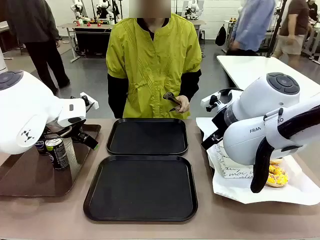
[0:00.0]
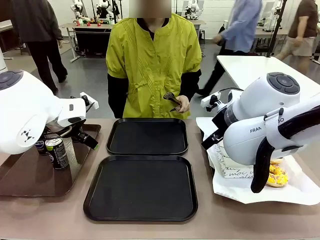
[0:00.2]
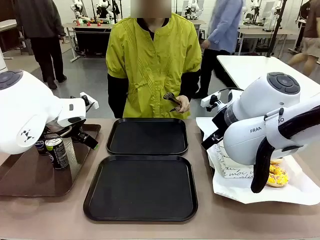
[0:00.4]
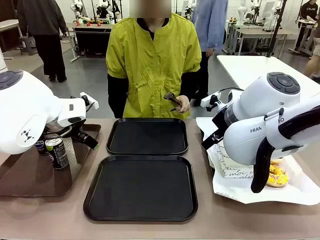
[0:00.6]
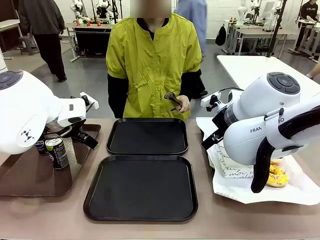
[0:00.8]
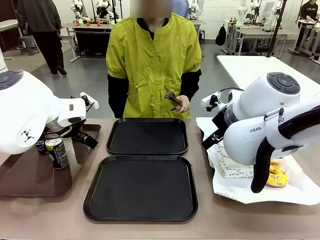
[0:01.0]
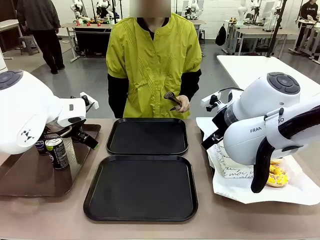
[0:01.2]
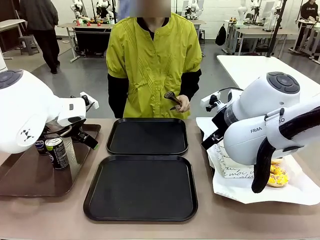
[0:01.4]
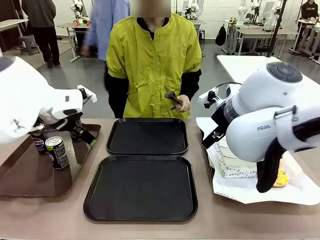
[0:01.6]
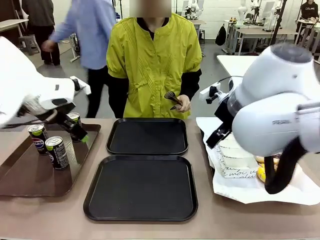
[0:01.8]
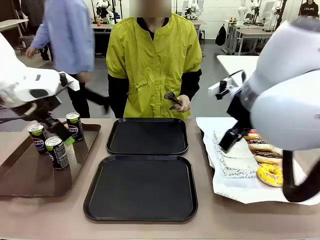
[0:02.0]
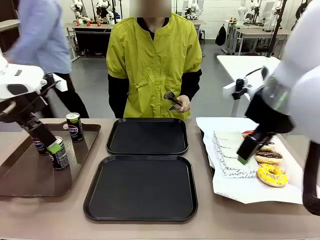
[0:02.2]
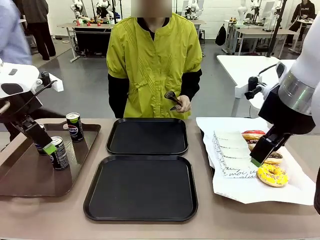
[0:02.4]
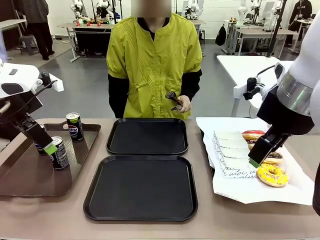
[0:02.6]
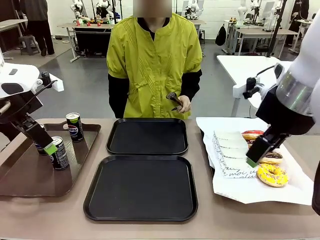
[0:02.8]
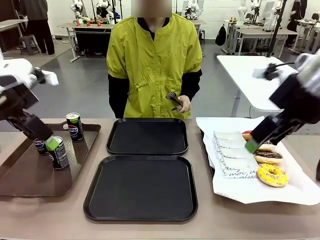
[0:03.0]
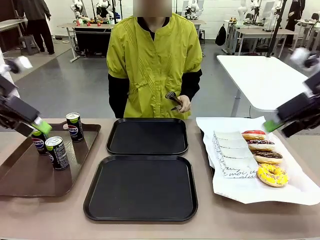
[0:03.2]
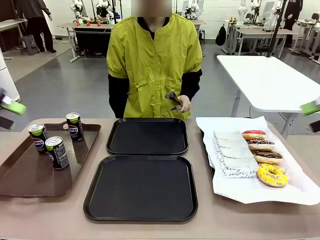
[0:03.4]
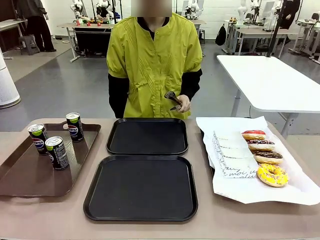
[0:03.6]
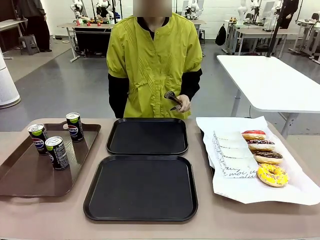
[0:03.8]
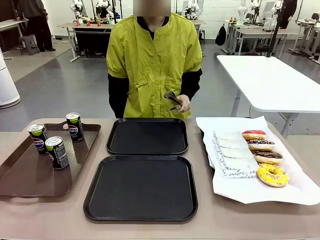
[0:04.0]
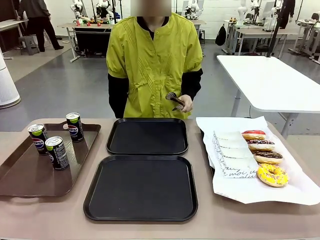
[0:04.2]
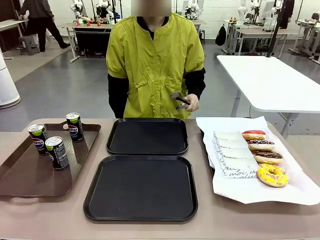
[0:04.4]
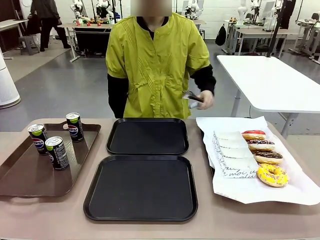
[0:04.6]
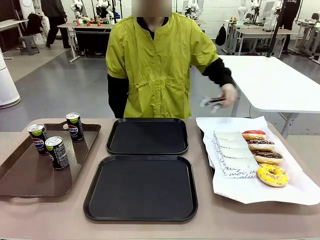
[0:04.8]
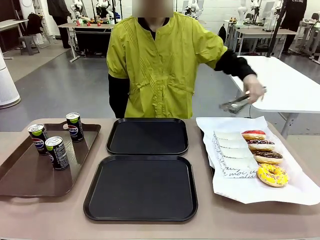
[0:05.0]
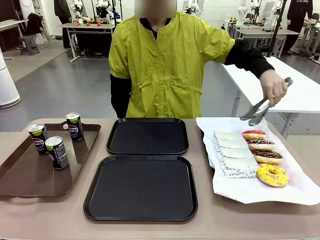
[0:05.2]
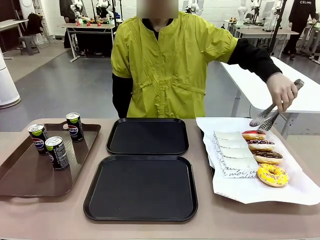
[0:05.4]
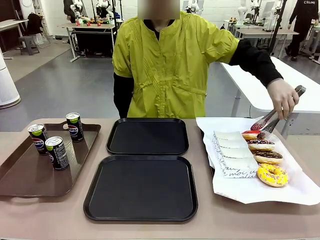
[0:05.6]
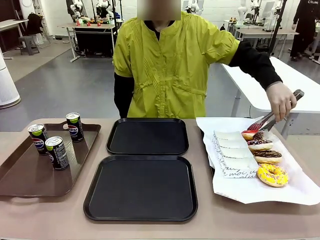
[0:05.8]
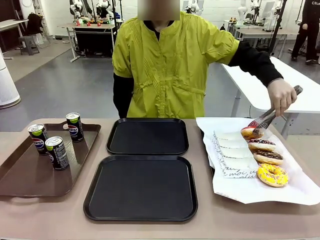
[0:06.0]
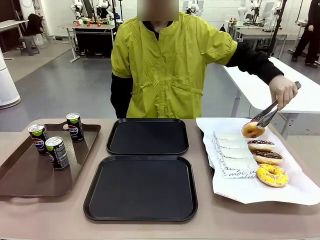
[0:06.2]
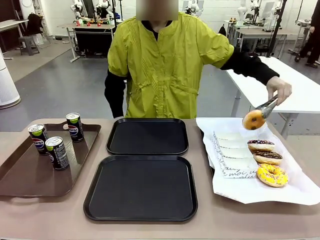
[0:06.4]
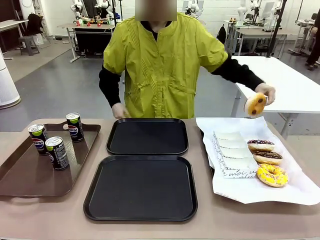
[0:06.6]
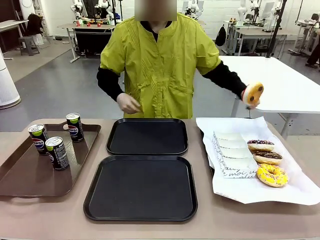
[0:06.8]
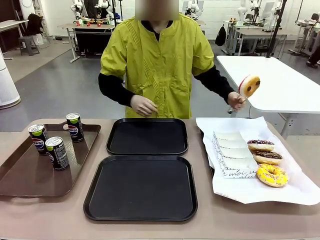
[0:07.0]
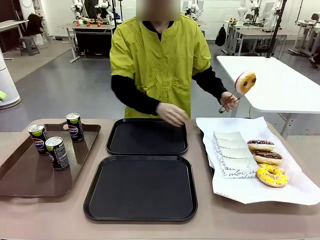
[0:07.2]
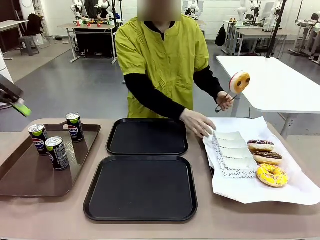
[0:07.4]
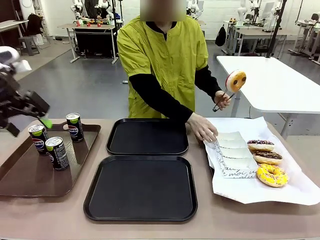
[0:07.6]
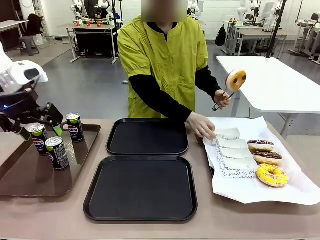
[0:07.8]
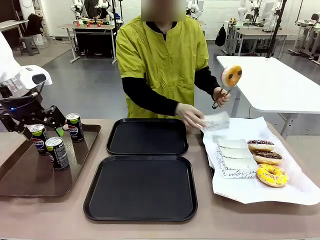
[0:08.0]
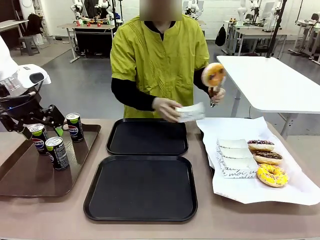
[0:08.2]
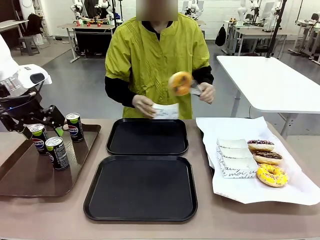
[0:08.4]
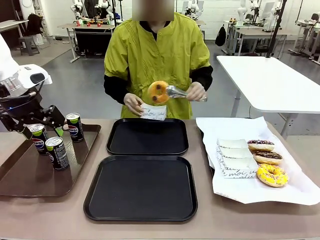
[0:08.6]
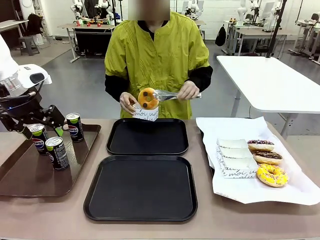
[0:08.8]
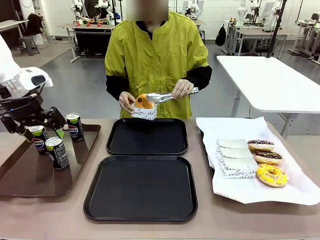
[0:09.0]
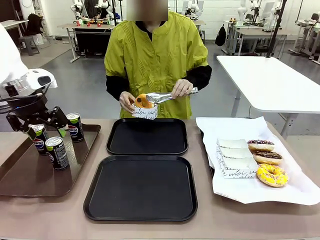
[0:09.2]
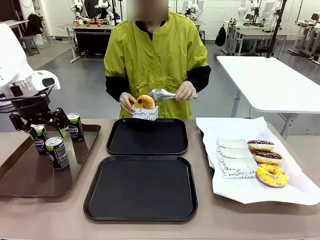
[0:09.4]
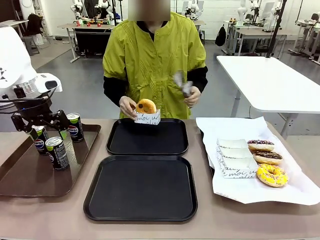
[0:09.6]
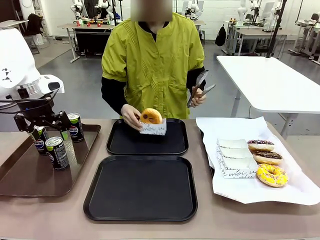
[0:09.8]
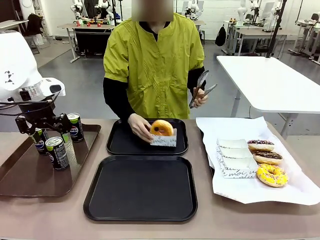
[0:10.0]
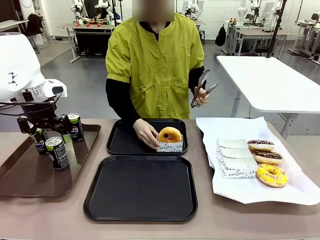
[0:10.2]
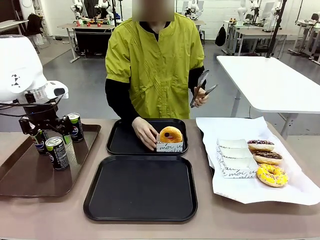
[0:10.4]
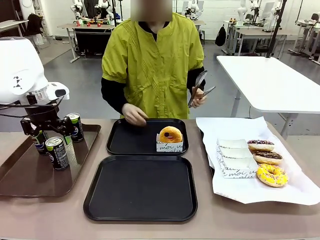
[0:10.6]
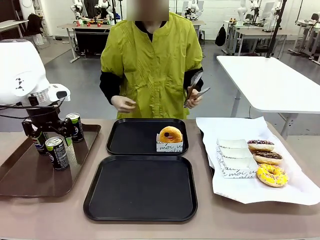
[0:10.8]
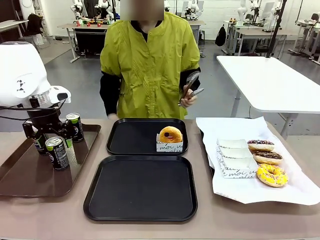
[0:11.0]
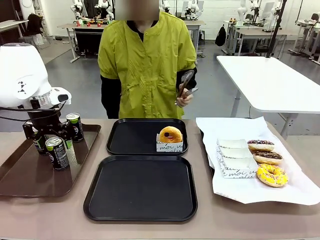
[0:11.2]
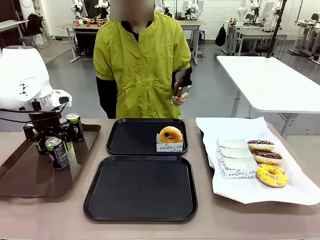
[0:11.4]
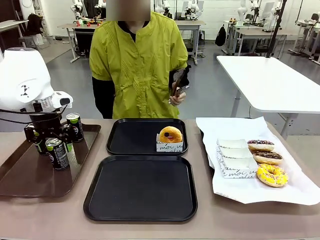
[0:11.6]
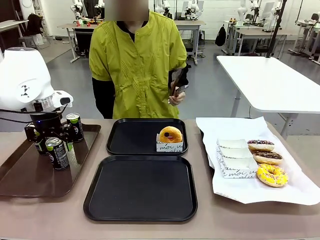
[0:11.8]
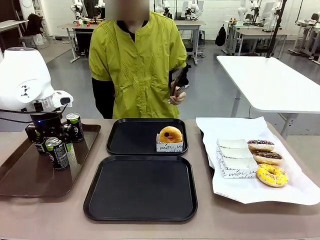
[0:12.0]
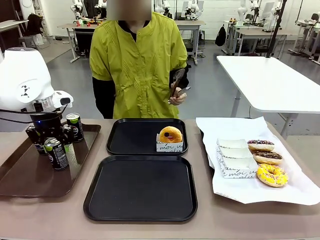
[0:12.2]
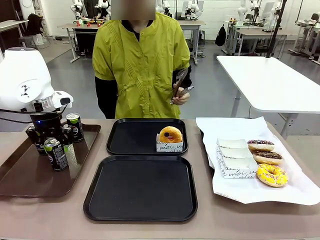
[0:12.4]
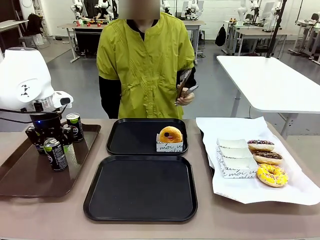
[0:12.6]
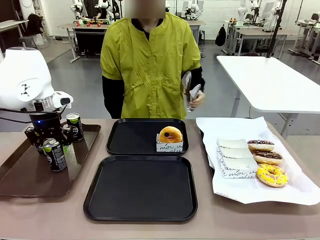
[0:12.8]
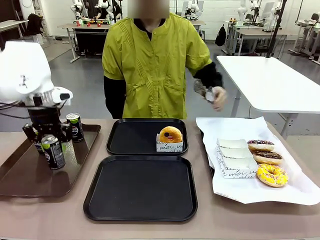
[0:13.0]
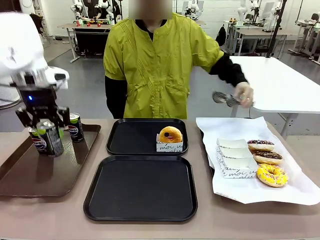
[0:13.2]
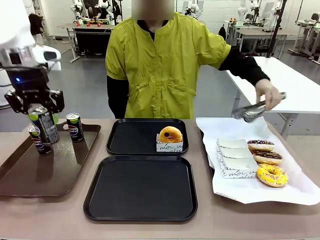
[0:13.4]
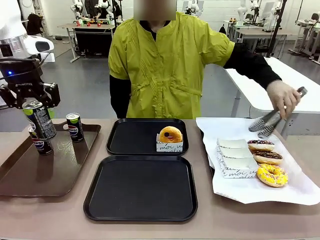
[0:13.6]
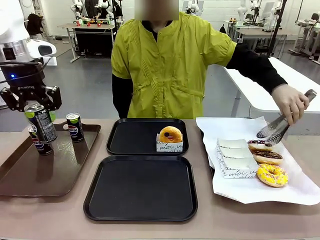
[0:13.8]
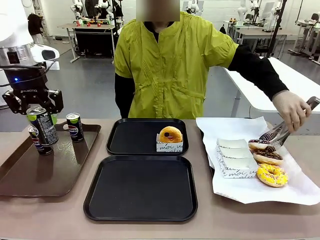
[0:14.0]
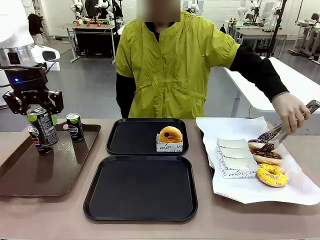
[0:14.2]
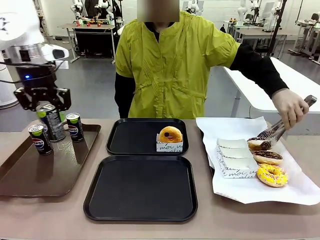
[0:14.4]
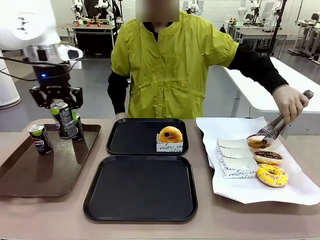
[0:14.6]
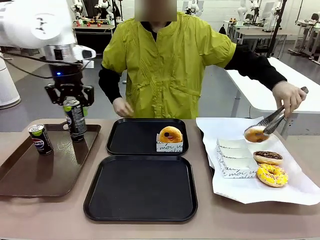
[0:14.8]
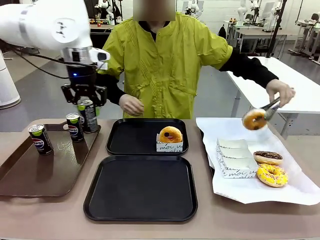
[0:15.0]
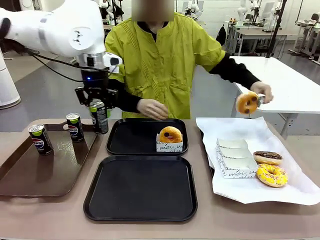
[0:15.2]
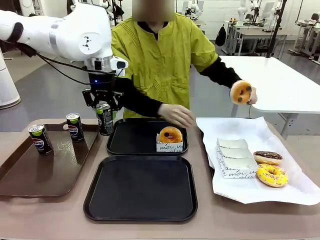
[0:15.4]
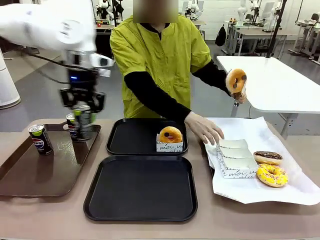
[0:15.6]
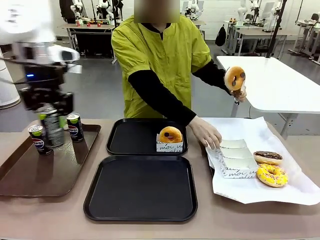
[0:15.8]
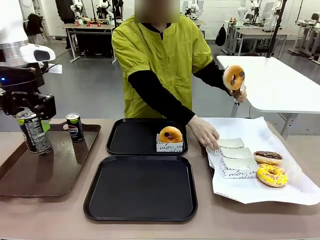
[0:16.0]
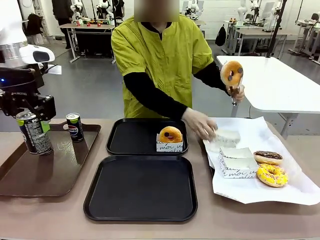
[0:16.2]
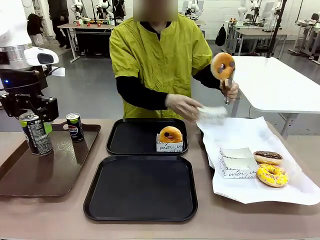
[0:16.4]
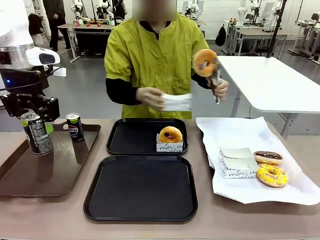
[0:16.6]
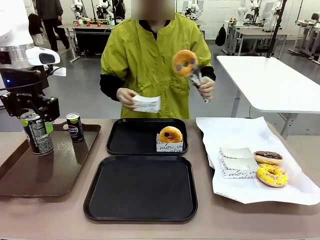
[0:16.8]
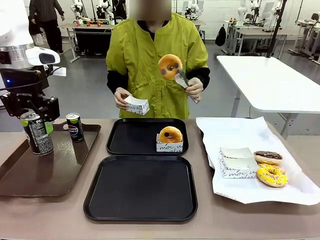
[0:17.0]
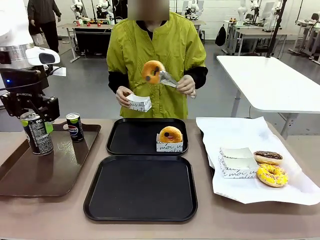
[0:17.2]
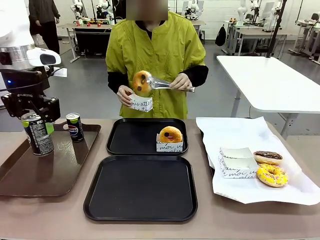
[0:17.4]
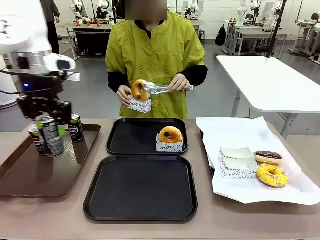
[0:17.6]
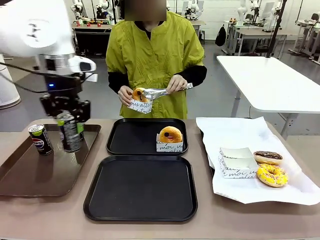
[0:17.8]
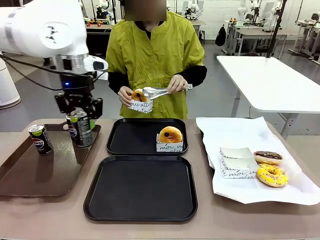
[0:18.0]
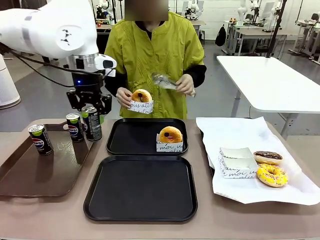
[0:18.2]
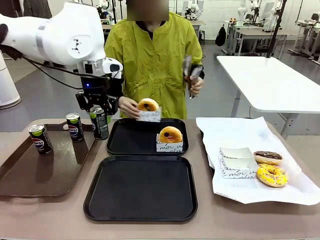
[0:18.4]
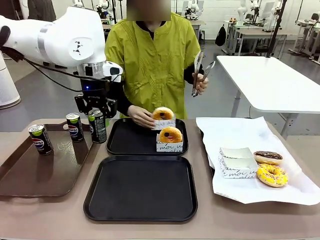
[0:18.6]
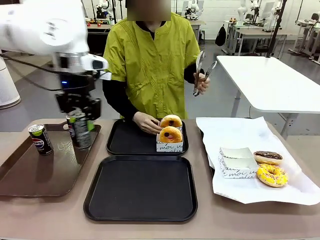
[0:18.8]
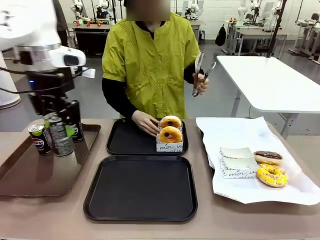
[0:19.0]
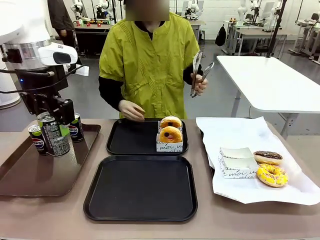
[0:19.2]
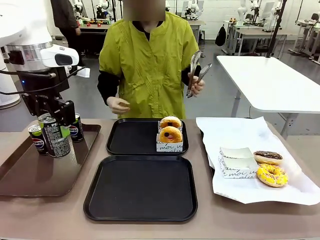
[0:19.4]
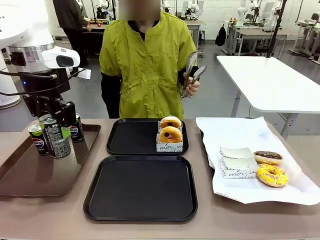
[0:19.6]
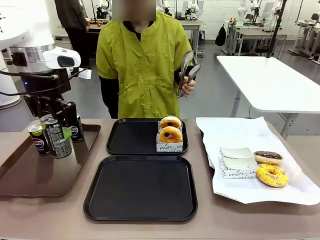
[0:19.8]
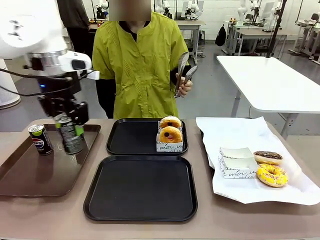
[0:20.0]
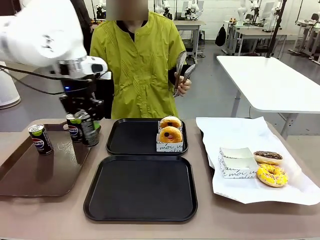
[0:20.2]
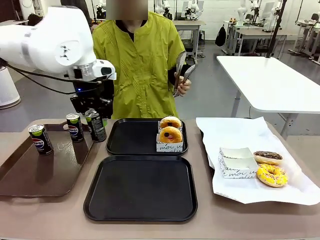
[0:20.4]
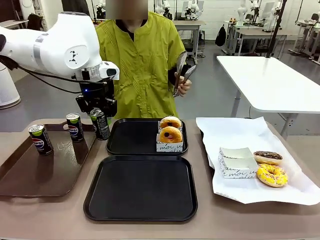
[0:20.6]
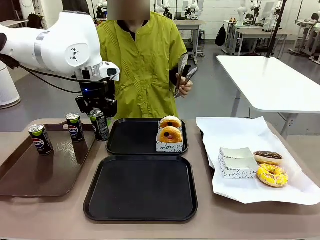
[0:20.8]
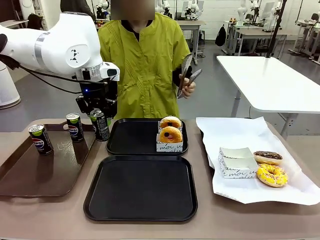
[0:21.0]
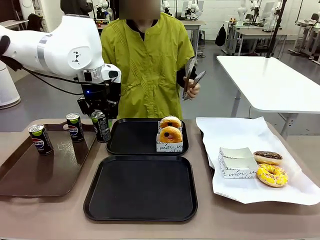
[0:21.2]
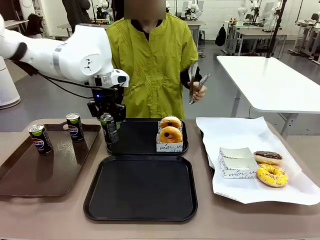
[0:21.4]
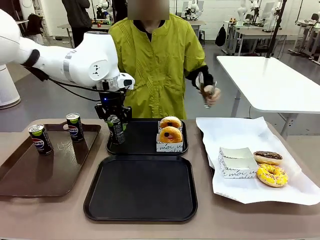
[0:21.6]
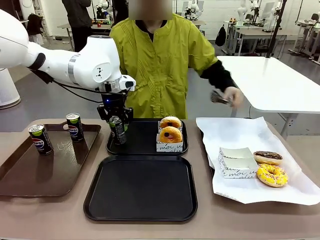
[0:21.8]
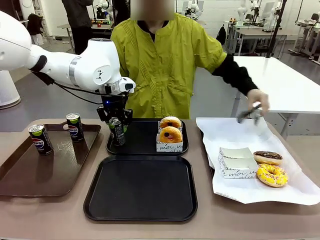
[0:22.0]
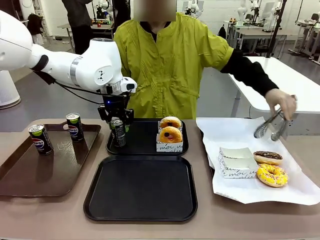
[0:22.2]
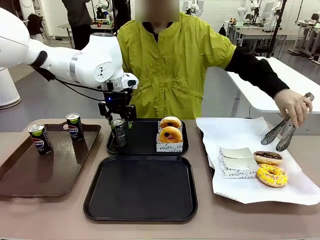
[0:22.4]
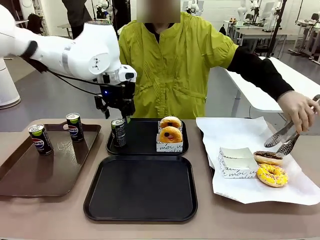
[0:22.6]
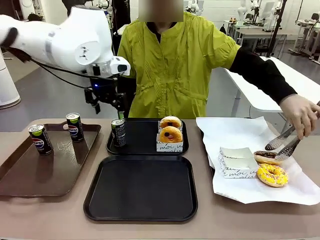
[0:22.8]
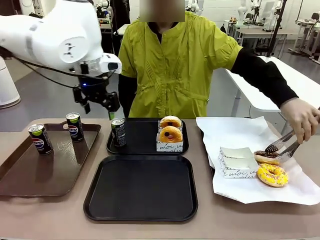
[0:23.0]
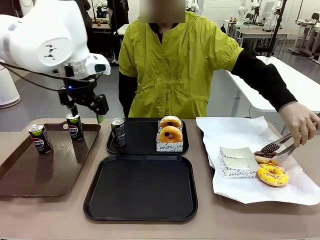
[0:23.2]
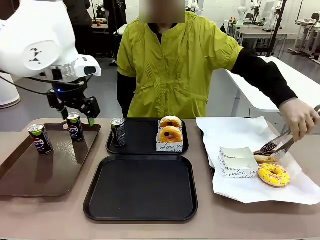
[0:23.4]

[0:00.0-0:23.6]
Task: Set up donuts and drinks on trays.
Robot: Pick up one Pepsi coke and place it on the Flat Tray.
